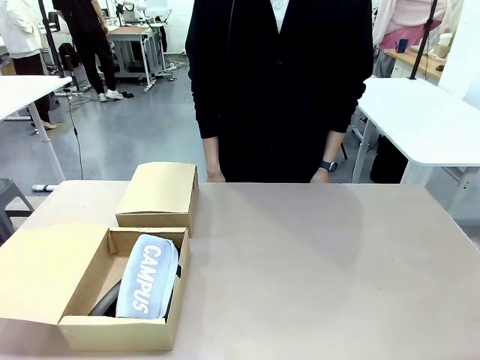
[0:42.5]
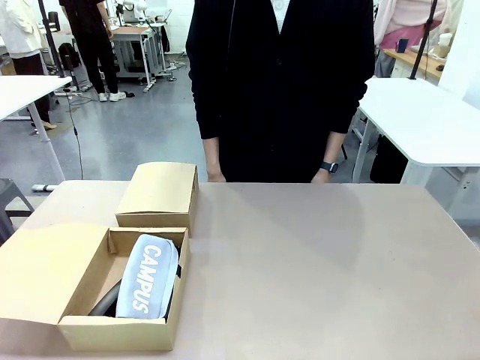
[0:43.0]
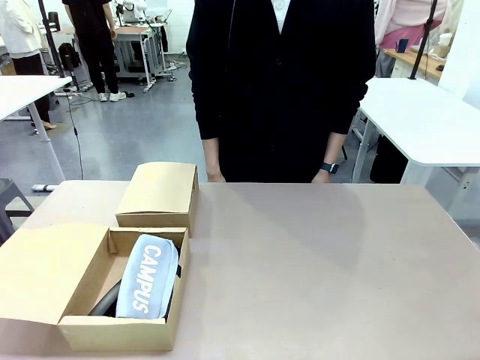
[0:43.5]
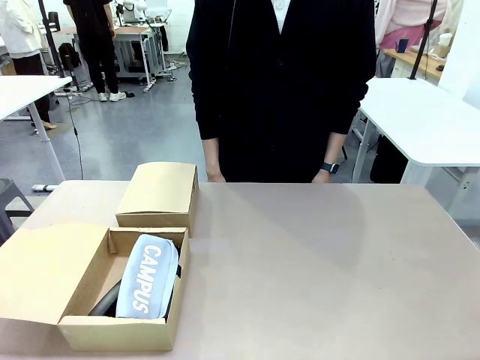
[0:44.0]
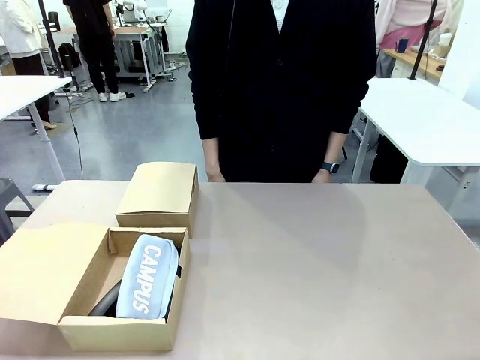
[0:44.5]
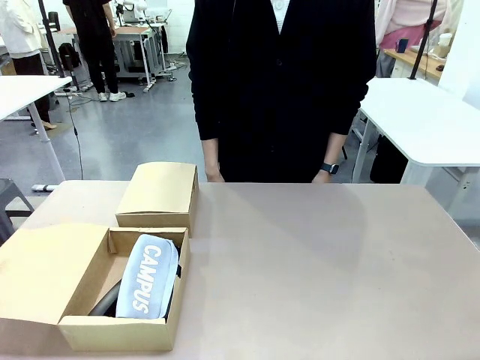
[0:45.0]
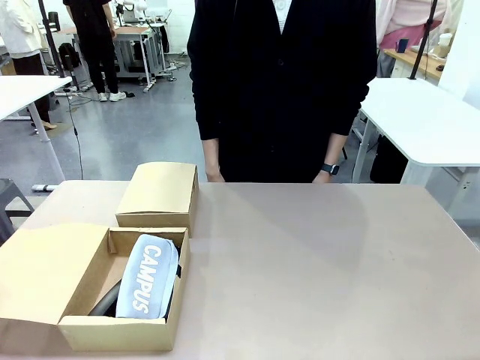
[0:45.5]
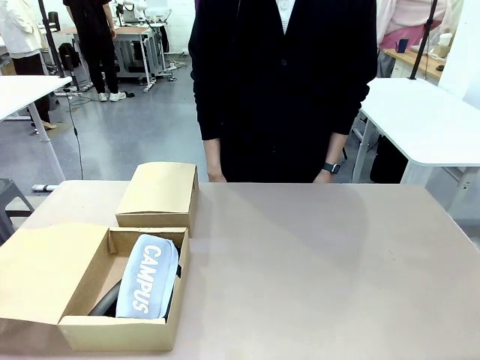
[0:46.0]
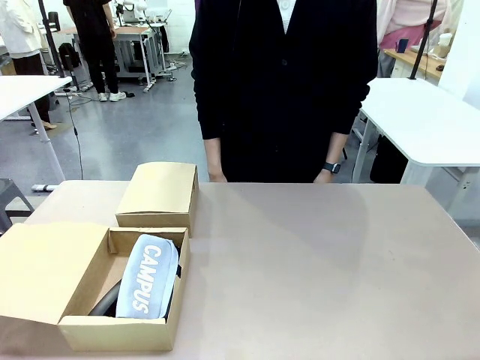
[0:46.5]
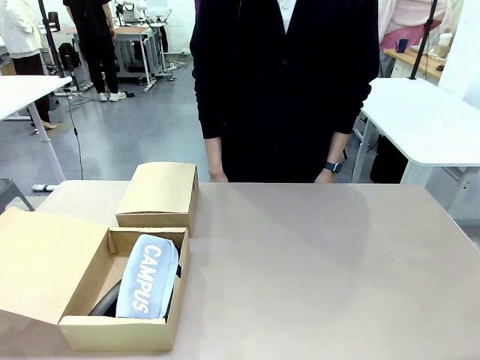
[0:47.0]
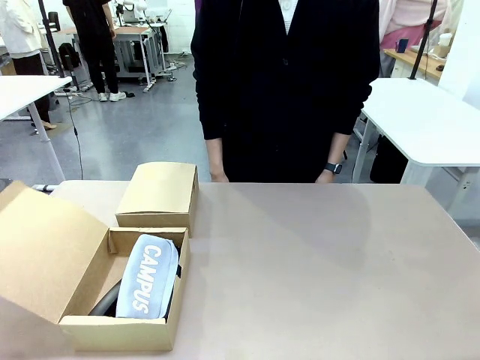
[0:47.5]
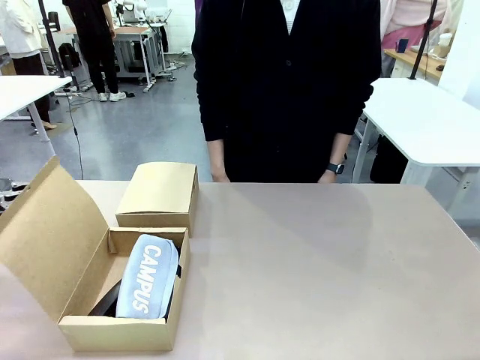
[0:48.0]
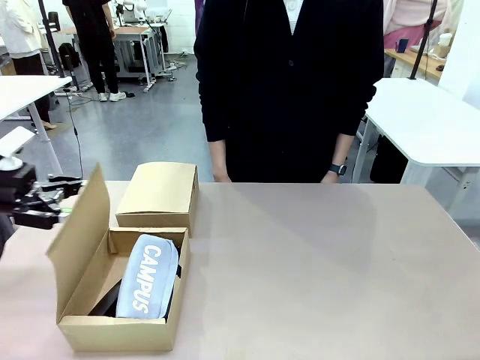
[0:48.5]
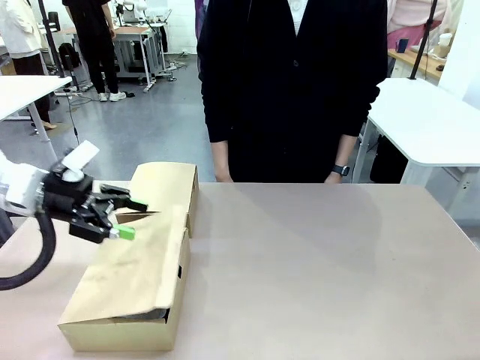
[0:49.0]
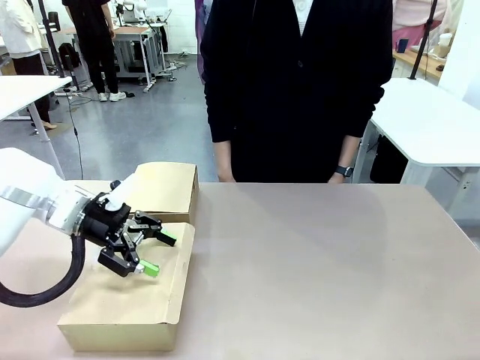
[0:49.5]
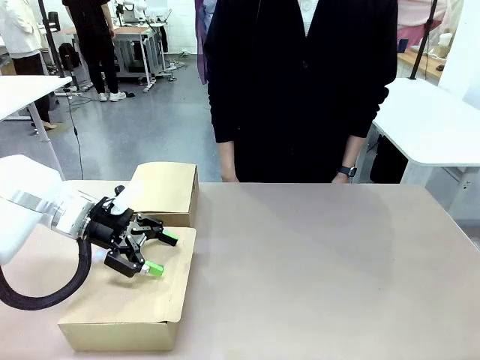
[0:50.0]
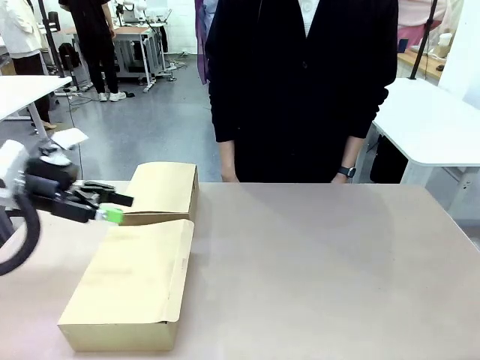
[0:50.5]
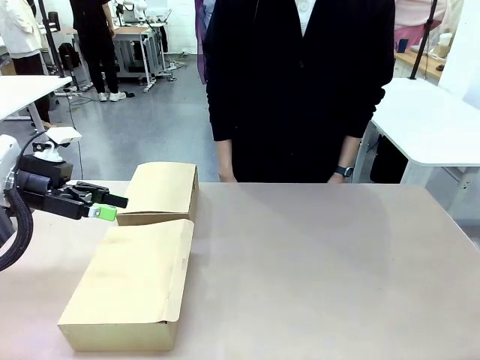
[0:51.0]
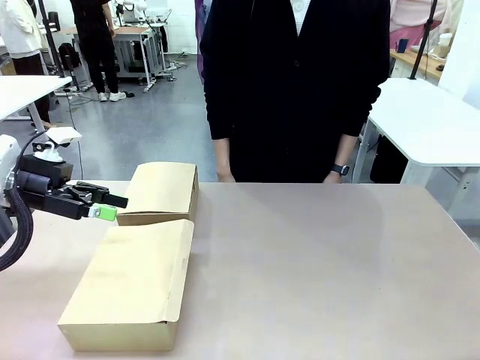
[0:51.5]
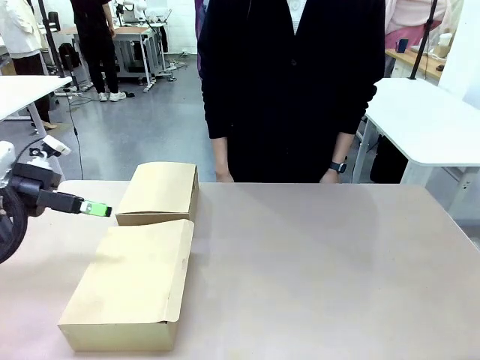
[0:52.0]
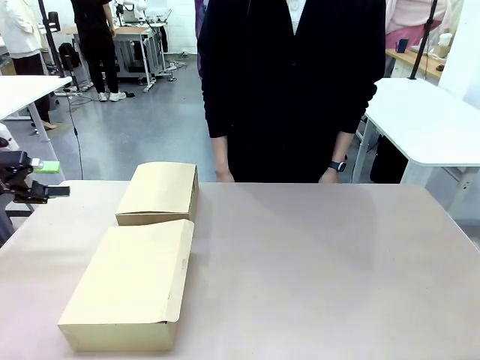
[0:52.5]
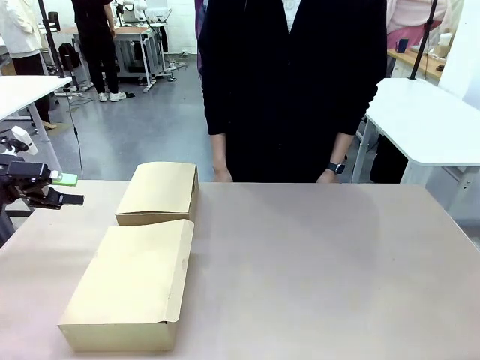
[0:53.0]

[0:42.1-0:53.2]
Task: Place items inside the box.
Robot: Close the lid of the Mailer Box closest to the robot.

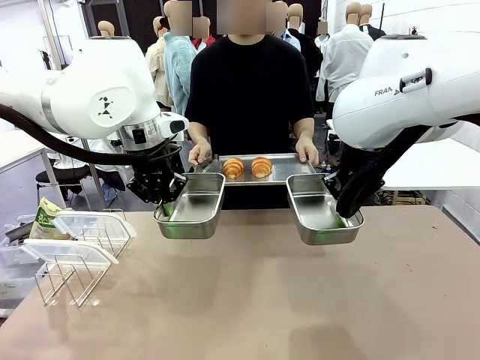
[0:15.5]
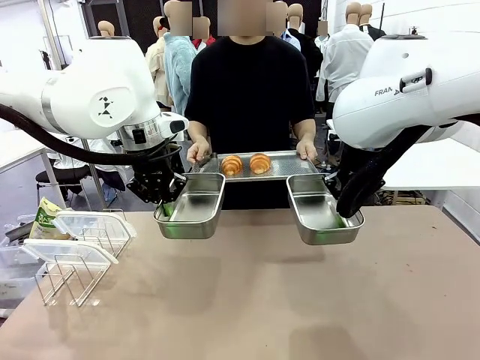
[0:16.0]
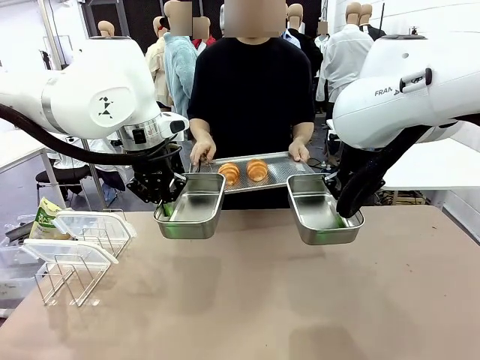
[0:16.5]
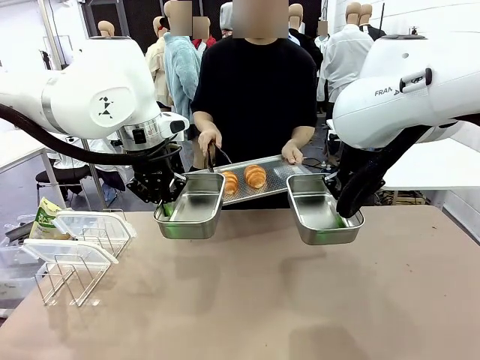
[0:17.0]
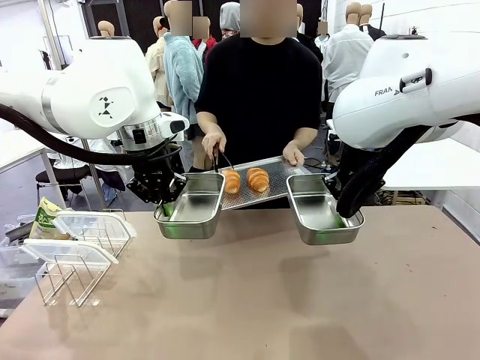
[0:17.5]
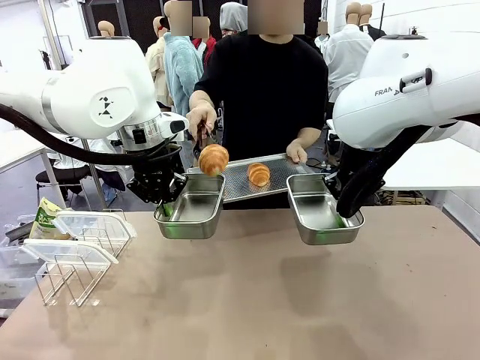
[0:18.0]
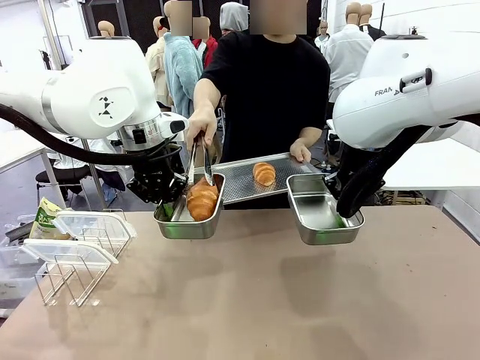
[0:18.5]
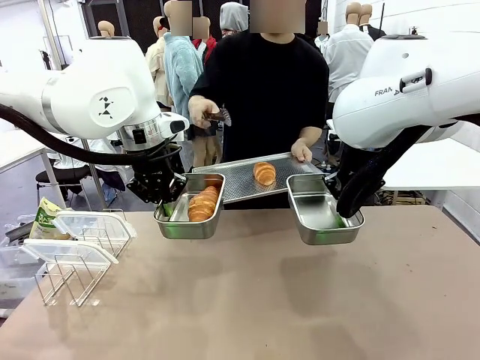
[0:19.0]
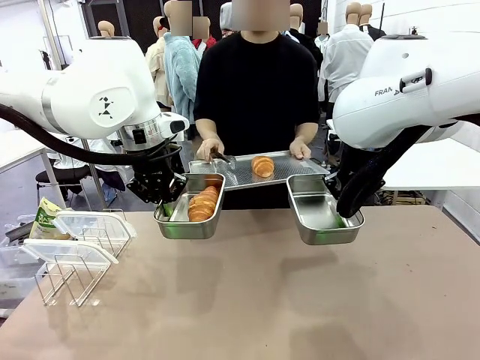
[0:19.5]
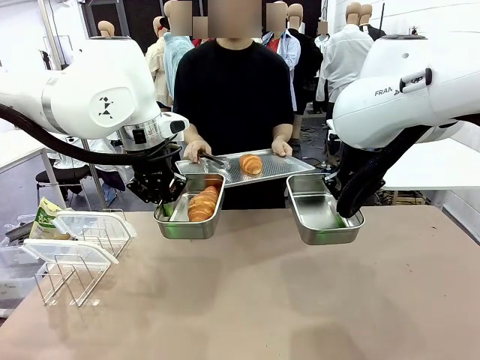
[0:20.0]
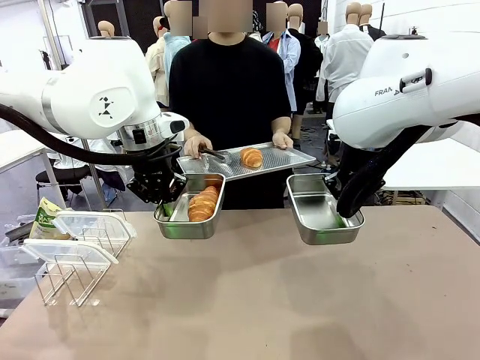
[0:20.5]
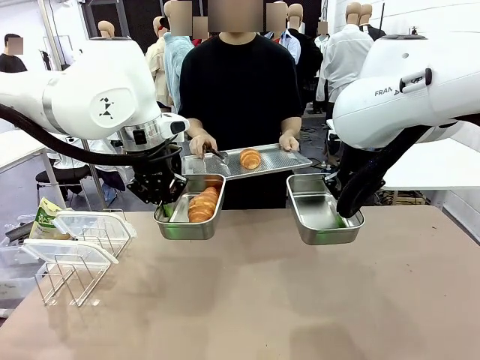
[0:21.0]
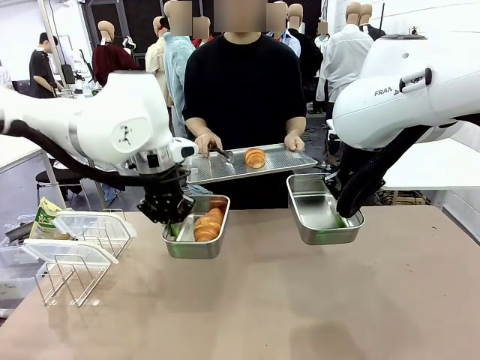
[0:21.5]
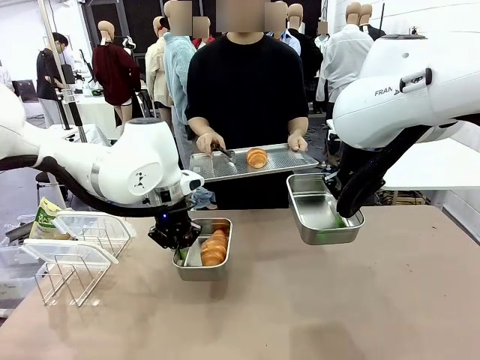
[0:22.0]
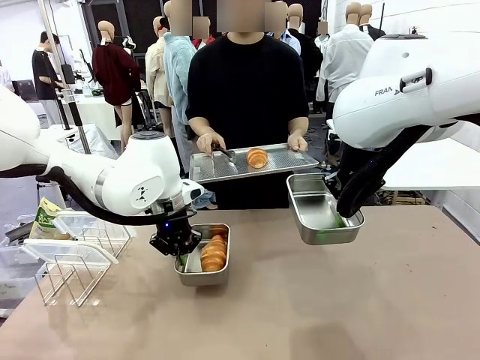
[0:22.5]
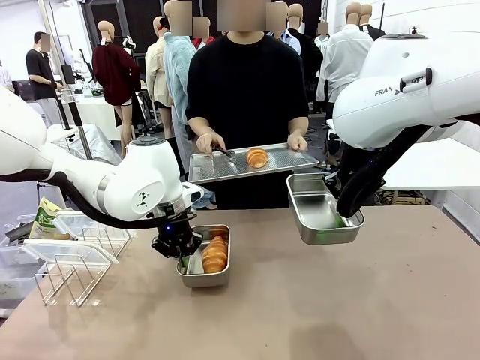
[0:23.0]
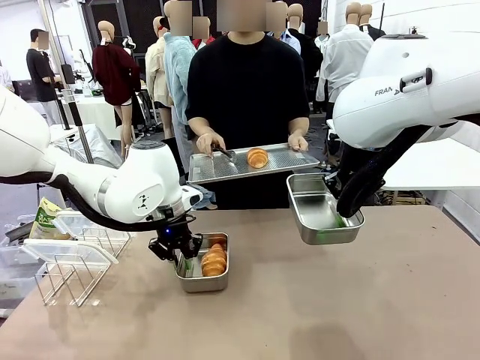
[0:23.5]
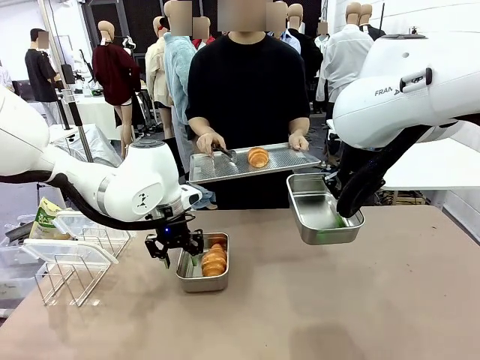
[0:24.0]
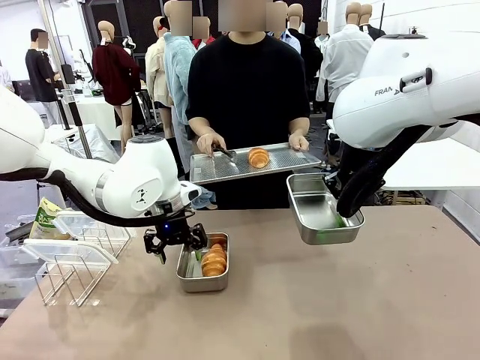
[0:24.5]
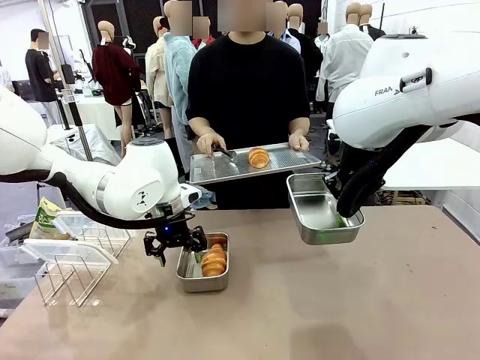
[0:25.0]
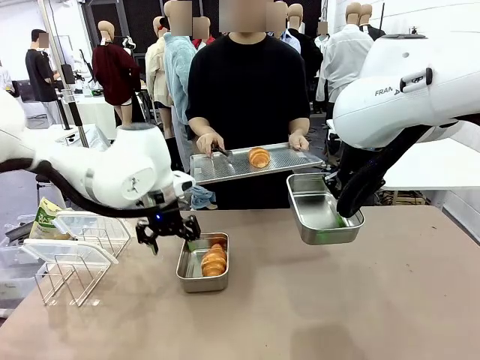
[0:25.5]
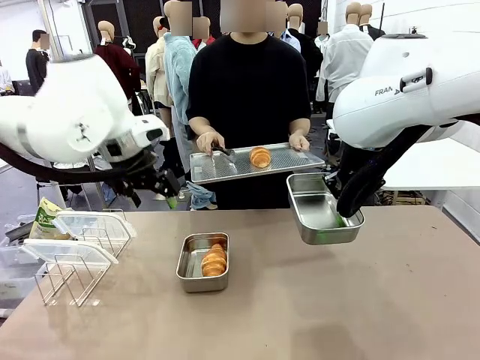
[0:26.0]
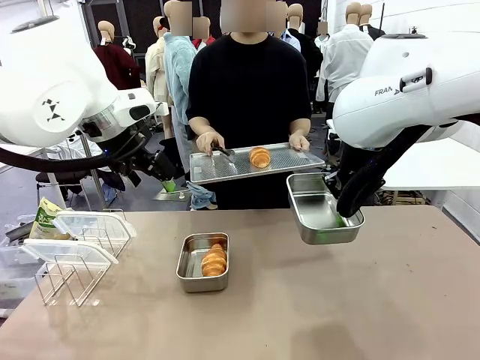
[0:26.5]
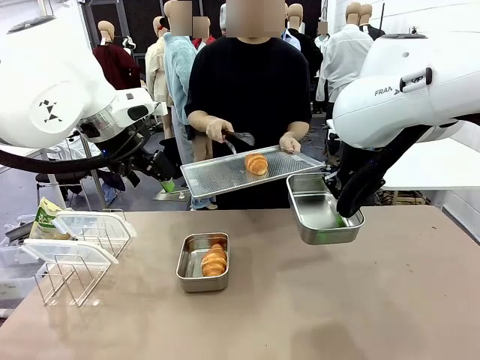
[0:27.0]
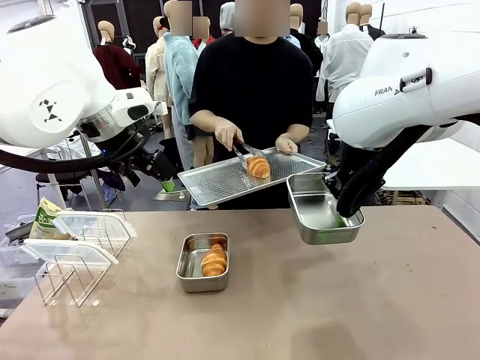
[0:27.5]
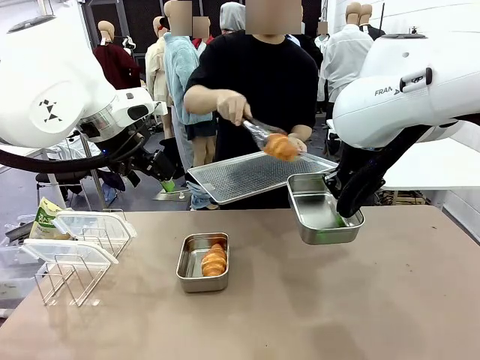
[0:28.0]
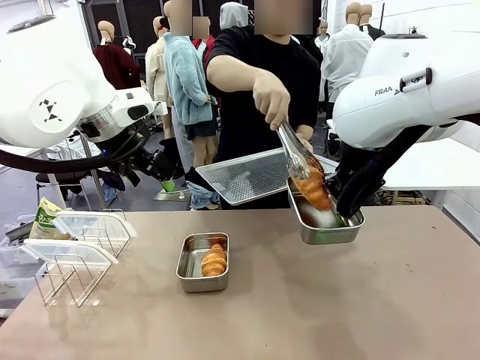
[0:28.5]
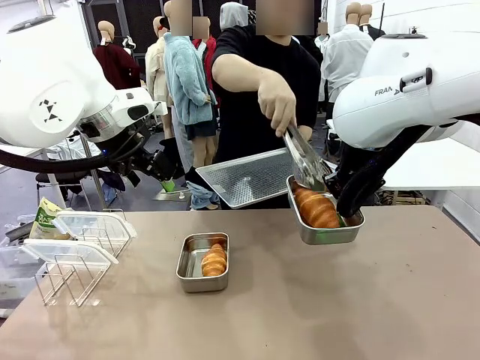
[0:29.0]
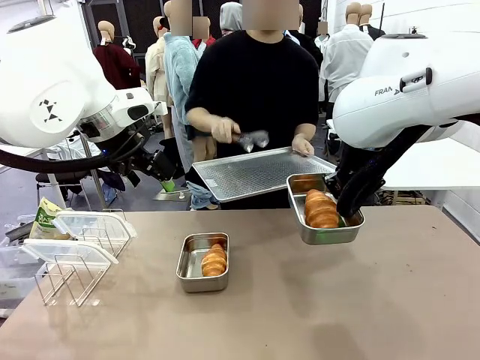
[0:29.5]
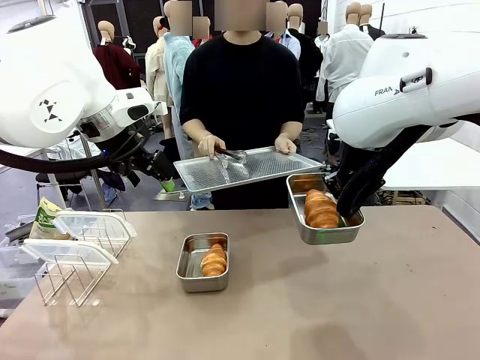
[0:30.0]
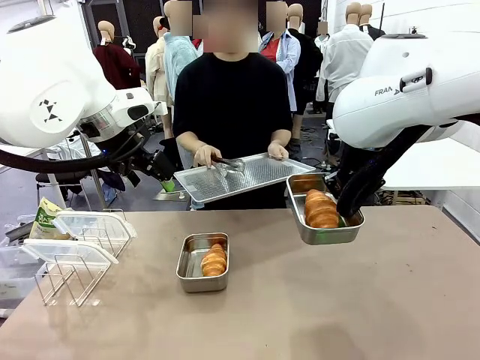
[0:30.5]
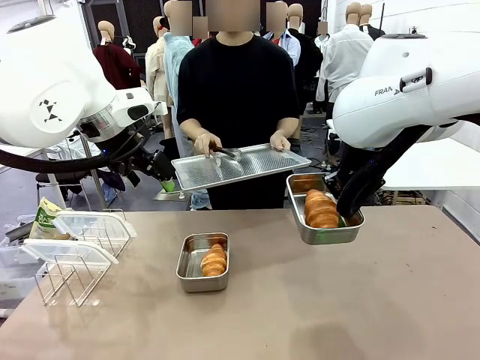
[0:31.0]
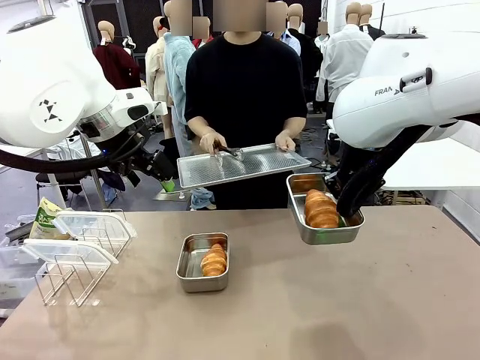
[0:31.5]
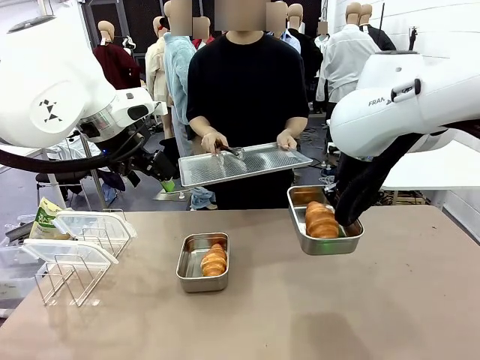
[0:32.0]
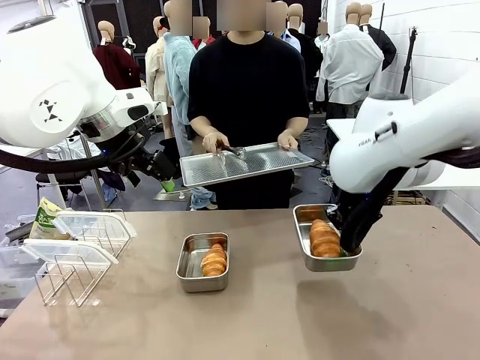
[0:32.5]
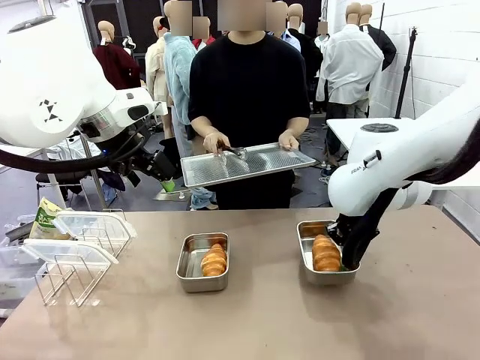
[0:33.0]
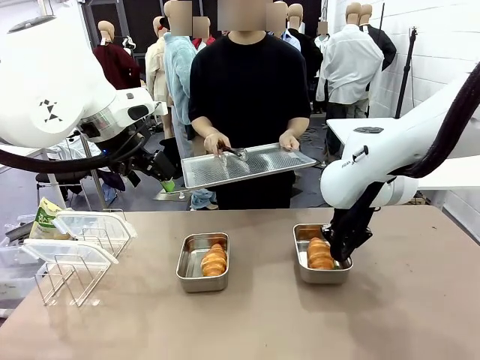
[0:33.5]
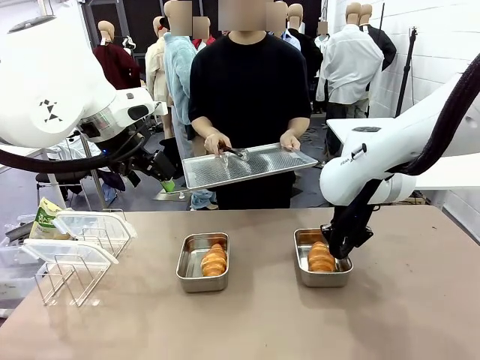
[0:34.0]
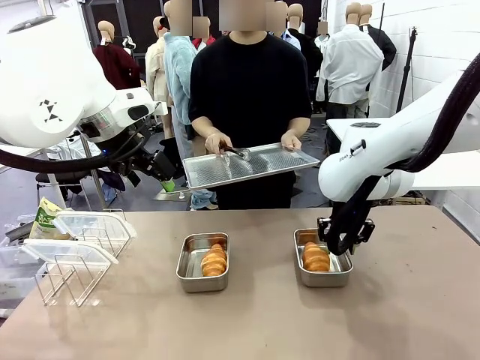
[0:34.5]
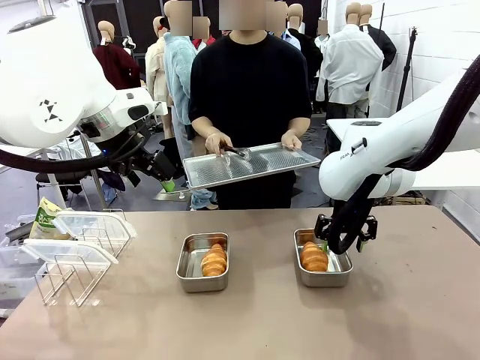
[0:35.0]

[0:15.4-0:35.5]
Task: Place the bread in airtight containers.
Robot: Once an object is inside an Airtight Container , place the container in the center of the table.
Person: Use the Stainless steel tongs to place one object from Baking Sheet into one Airtight Container. Place Baking Sheet on the Human's Table.
